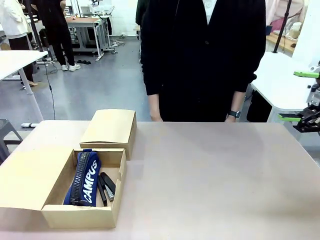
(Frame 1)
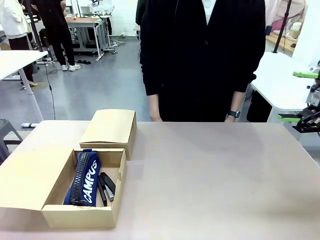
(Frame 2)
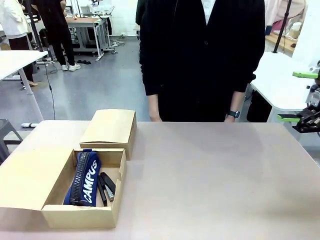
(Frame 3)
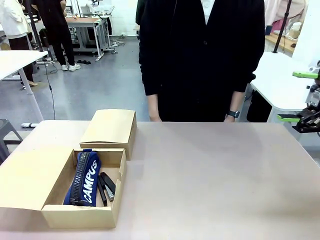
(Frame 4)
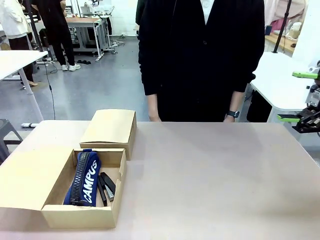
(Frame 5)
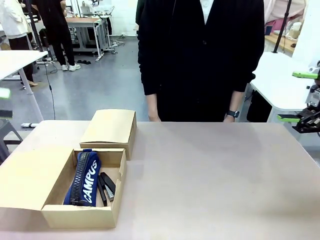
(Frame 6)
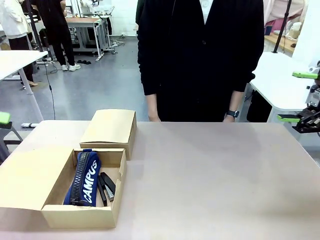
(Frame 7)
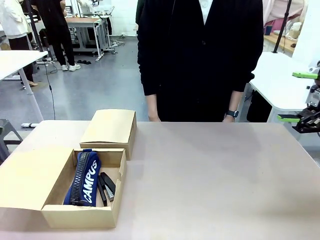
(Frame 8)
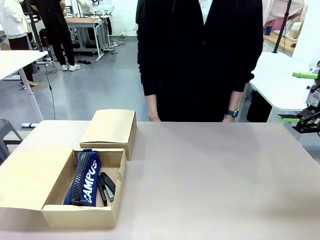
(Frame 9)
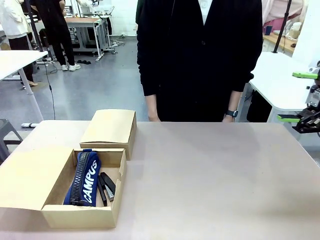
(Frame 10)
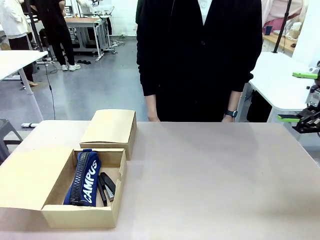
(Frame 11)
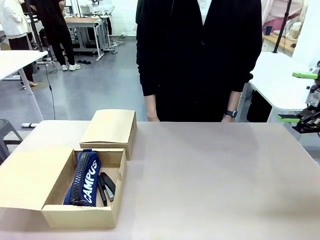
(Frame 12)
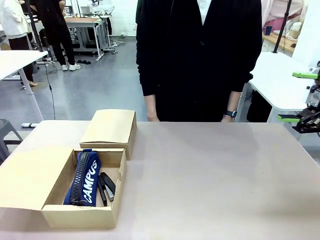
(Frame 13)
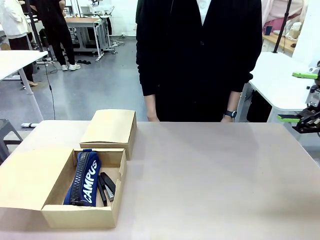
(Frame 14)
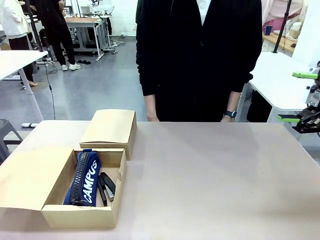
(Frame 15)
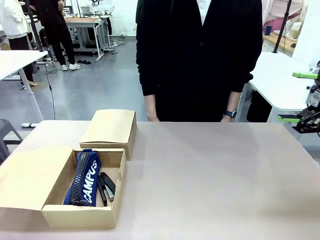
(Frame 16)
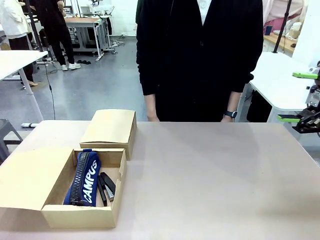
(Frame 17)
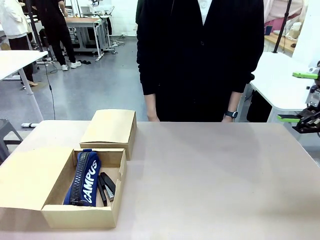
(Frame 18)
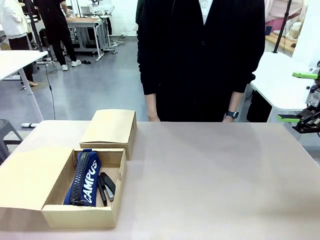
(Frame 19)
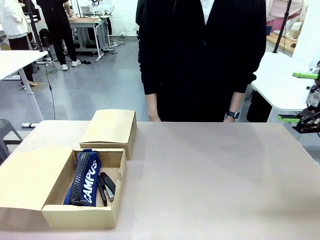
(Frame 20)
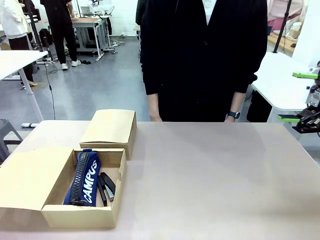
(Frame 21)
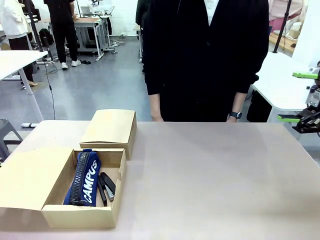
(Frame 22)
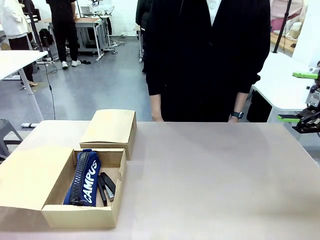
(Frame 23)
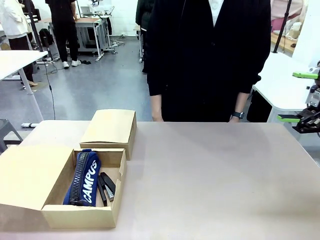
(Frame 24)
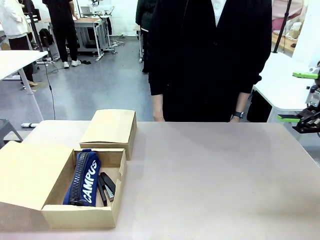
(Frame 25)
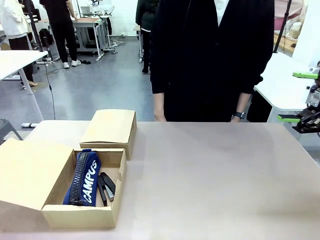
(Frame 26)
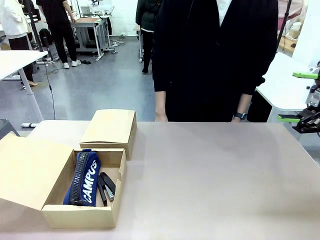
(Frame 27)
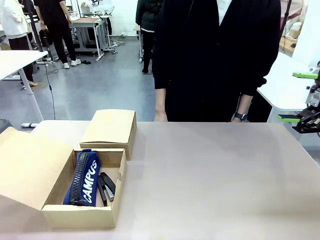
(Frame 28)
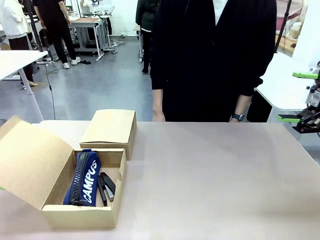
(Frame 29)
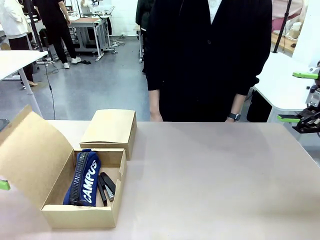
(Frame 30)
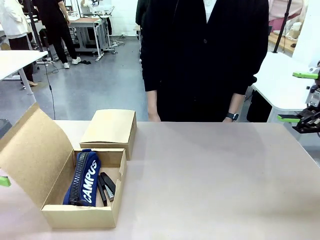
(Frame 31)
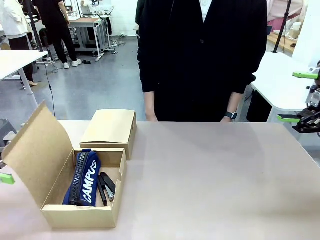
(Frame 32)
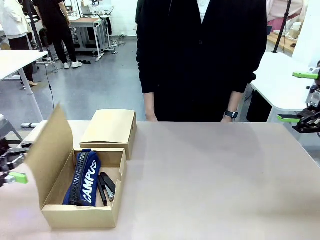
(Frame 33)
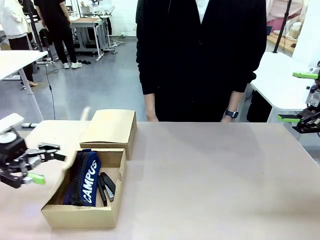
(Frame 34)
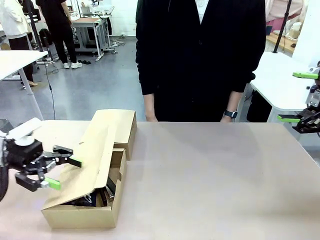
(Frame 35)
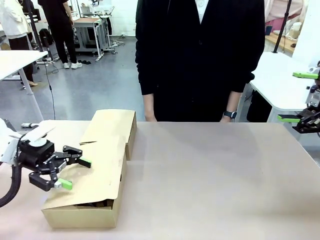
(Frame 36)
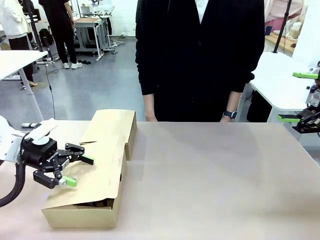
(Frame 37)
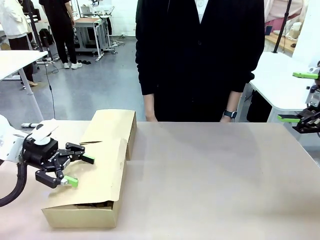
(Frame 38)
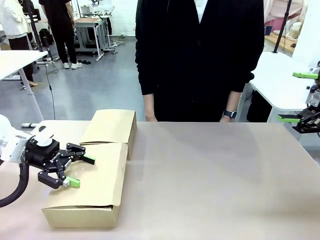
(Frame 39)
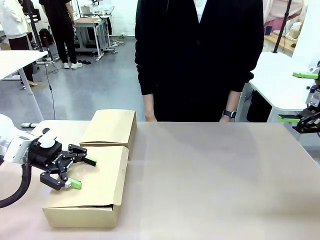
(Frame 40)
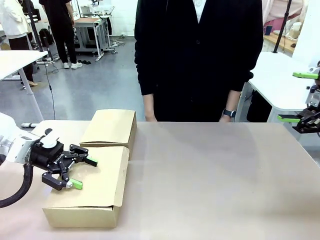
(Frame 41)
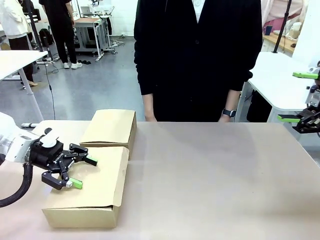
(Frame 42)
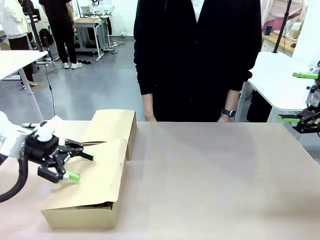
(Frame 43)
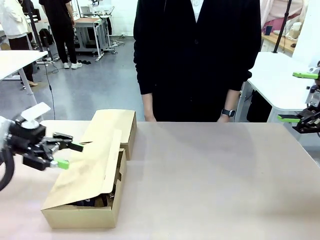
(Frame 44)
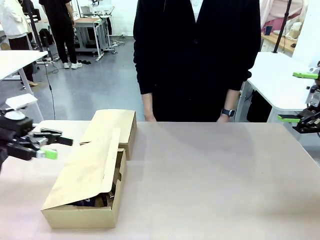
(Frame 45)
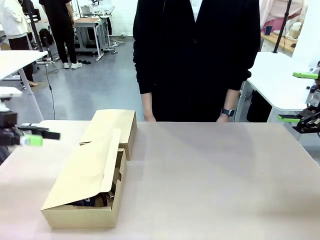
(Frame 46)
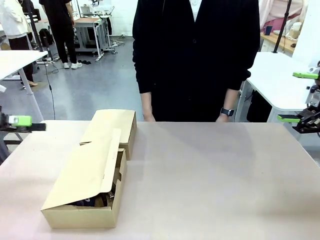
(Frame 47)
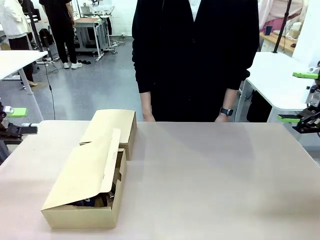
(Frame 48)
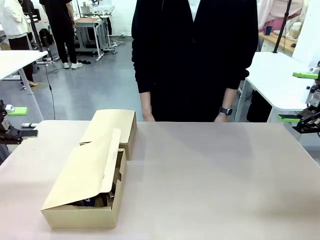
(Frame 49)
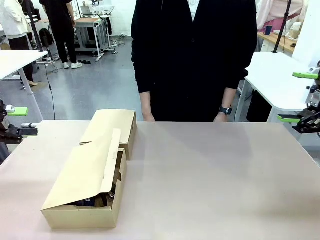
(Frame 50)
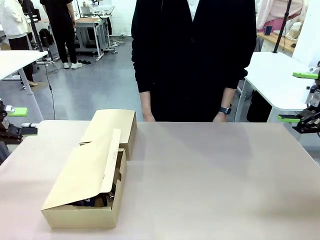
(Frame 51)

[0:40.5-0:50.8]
Task: Place items inside the box.
Robot: Close the lid of the Mailer Box closest to the robot.

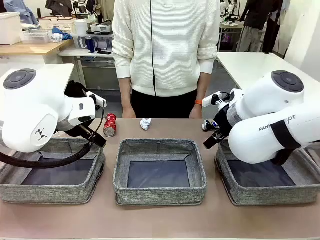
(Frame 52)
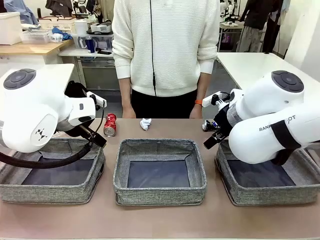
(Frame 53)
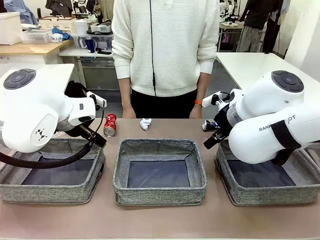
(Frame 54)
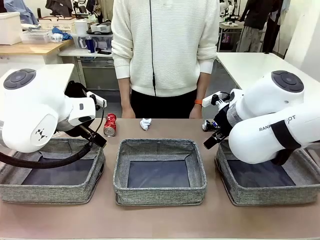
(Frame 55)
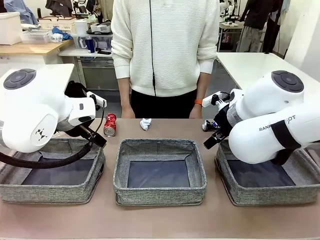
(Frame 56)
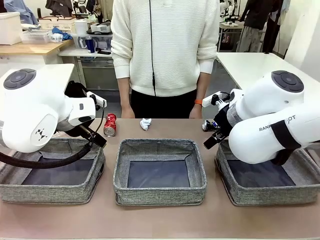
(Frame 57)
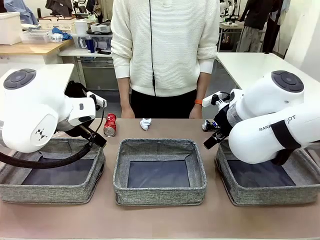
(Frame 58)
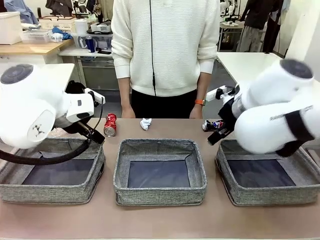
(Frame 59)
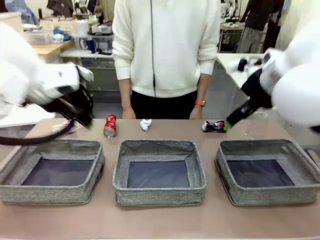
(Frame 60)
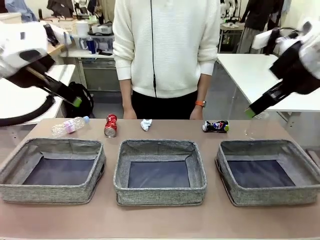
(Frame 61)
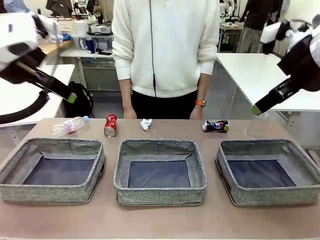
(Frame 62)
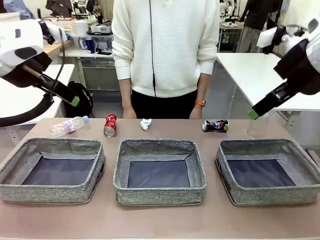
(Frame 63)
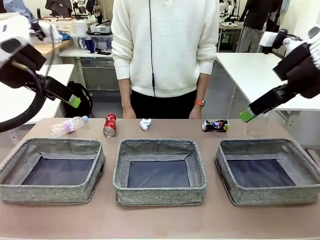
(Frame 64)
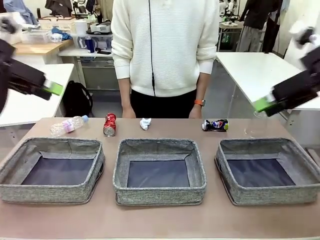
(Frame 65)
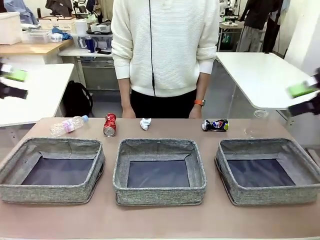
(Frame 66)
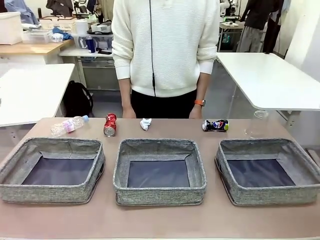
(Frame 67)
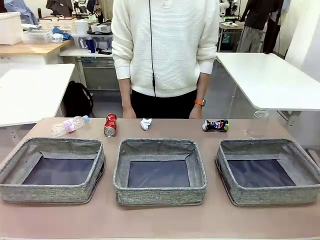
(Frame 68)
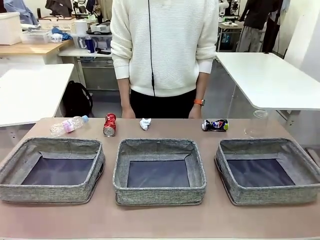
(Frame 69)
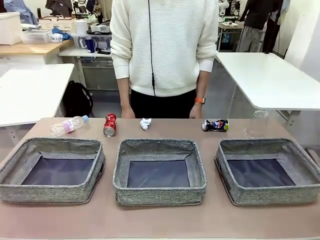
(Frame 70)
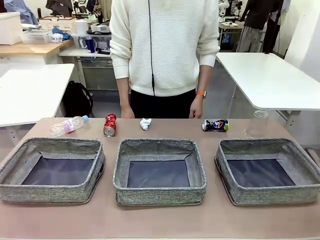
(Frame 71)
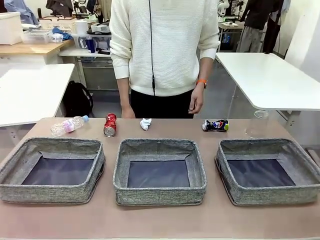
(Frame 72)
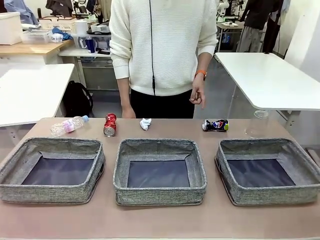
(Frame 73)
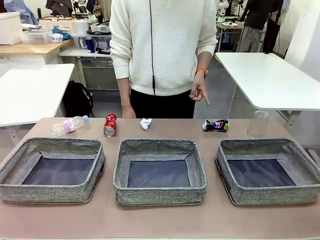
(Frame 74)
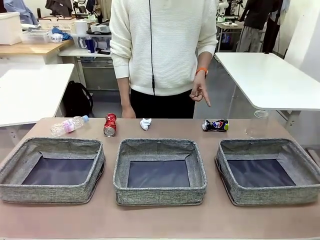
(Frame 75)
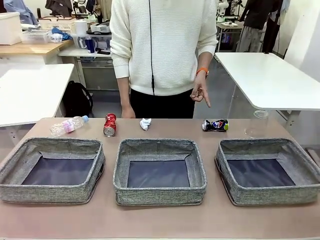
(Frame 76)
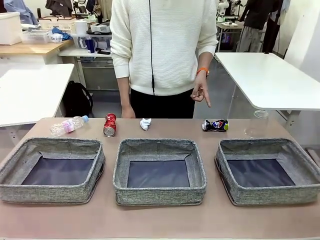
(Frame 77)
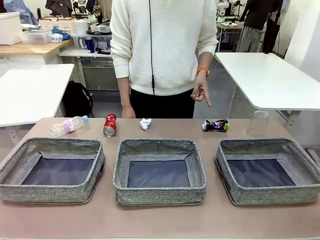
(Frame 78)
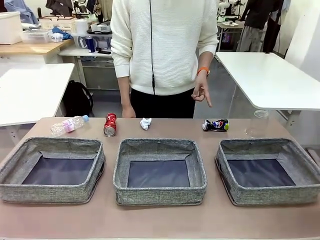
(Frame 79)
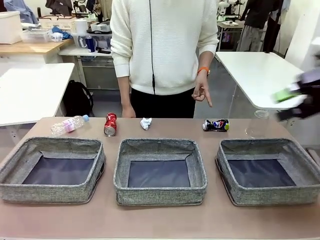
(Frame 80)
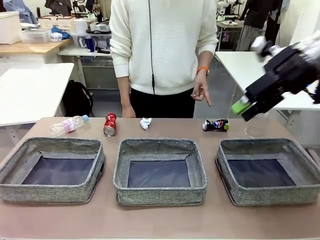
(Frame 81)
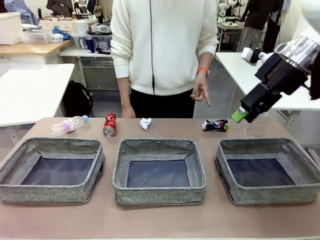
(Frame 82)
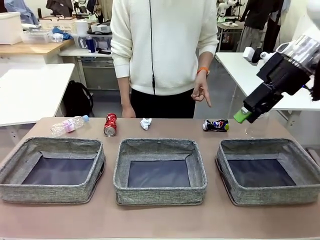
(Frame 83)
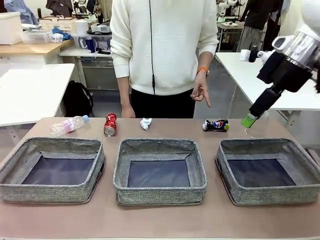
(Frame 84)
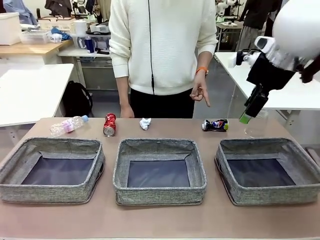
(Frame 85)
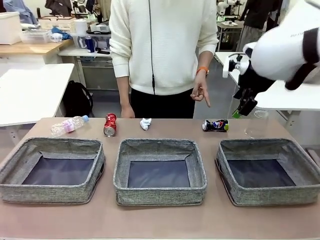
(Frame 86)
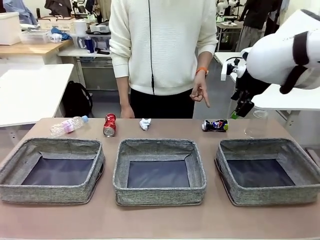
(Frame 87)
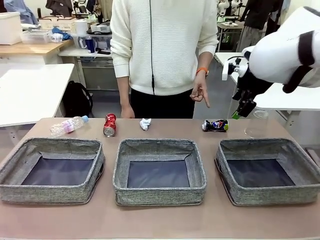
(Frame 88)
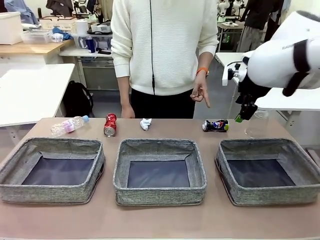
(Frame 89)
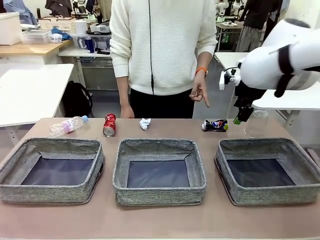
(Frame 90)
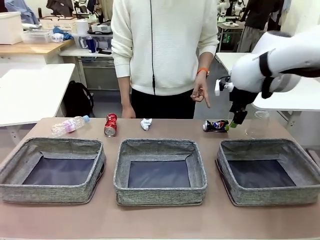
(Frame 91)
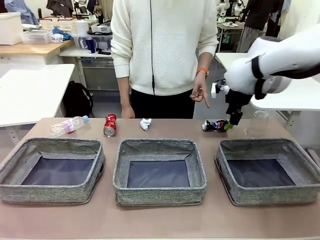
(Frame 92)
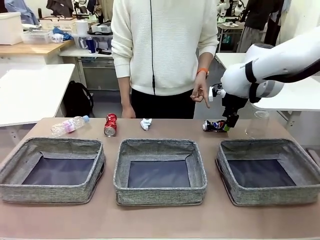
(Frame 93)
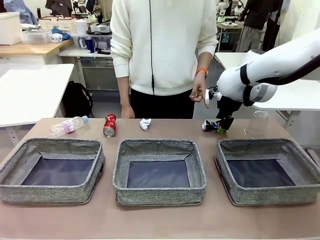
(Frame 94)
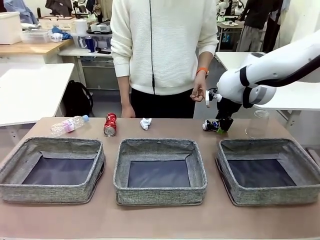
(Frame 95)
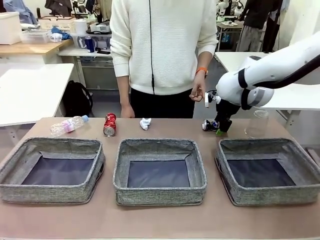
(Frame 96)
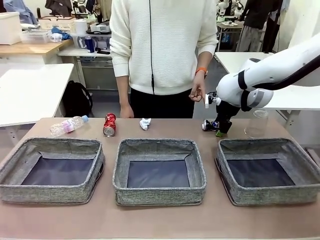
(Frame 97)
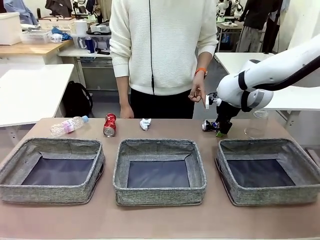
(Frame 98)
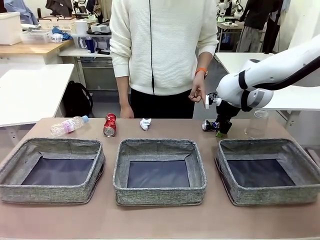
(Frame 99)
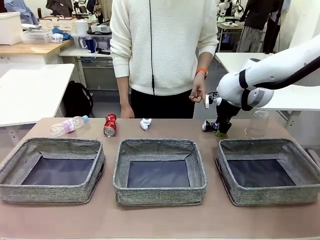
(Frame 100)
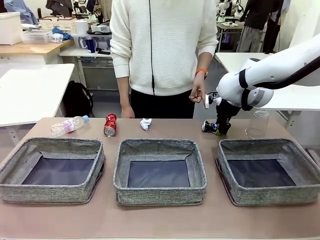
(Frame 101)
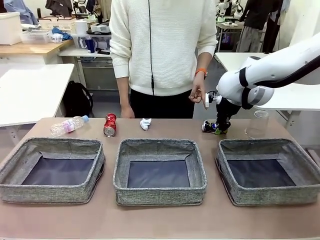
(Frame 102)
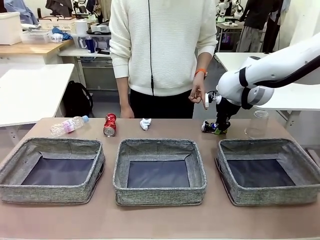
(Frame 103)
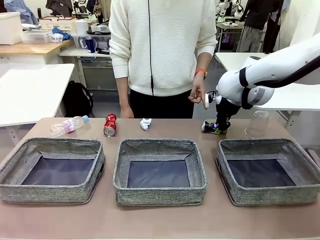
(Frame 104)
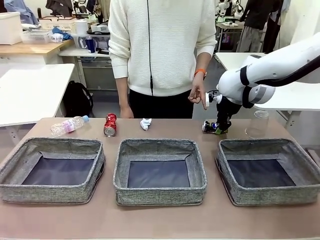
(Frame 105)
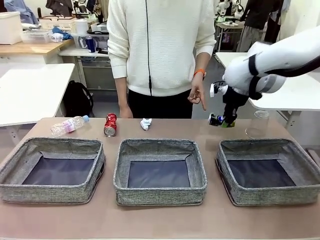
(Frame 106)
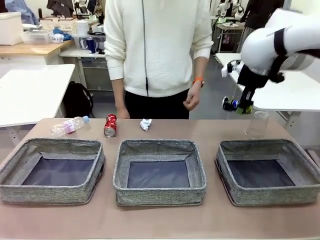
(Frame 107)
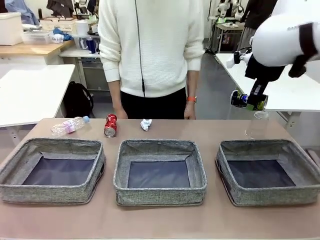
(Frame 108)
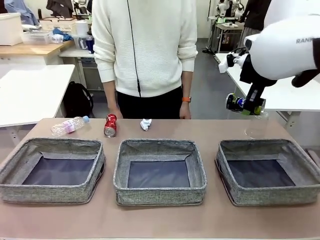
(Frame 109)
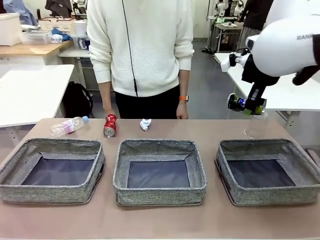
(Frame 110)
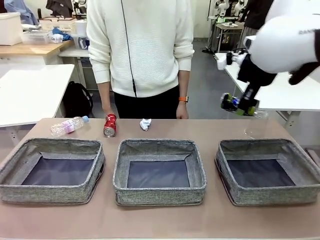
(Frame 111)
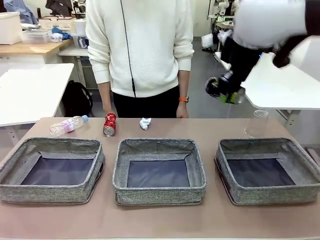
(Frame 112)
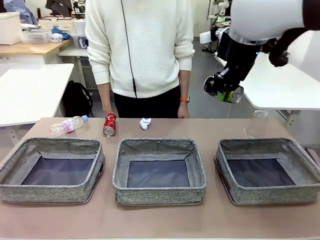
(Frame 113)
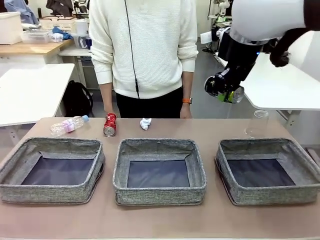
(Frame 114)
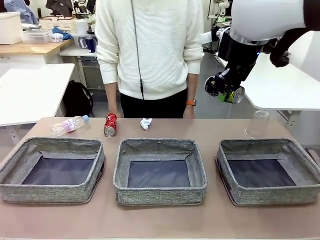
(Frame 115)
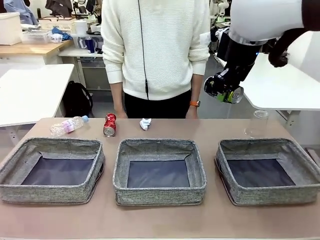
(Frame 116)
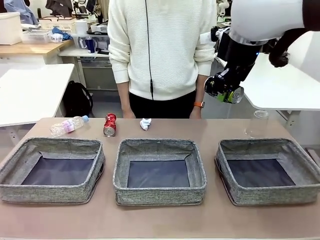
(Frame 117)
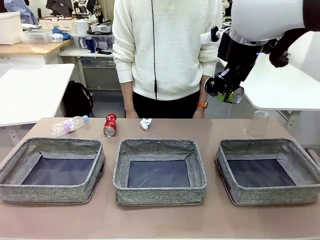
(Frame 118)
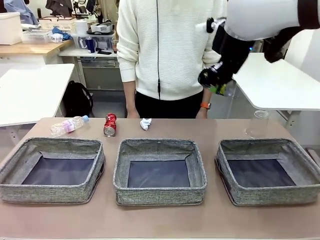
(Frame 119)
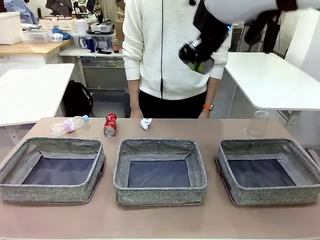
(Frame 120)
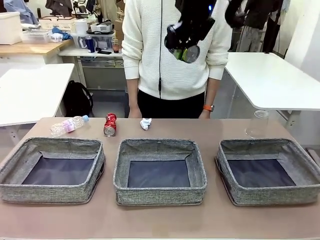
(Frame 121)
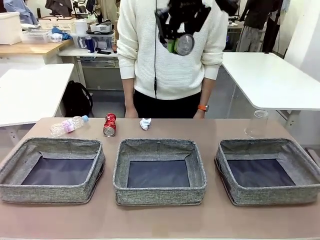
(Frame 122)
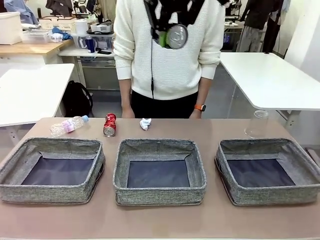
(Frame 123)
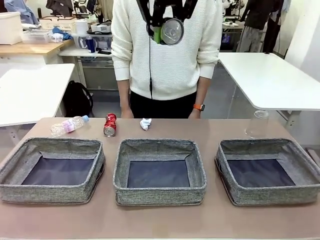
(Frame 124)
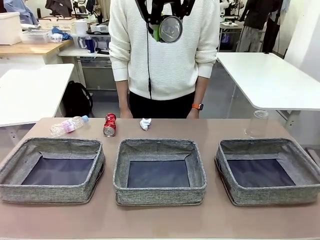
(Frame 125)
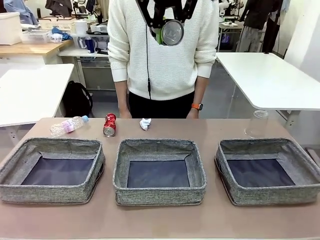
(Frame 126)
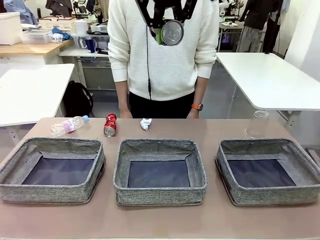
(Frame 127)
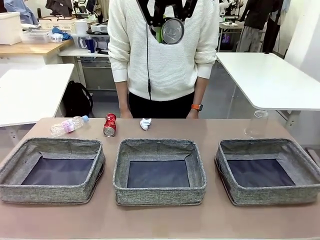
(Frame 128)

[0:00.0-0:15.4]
Task: Sort the waste into the appropriate baskets.
Robot: Pick up the waste item pointed out by the person.
Person: Points to one piece of trash on the table.
